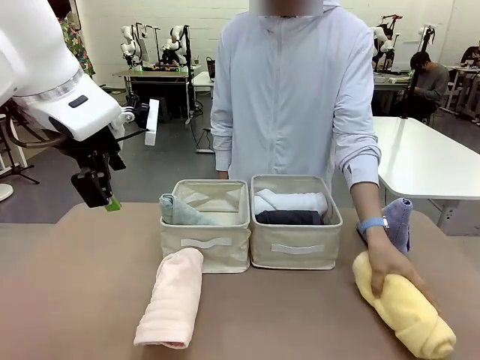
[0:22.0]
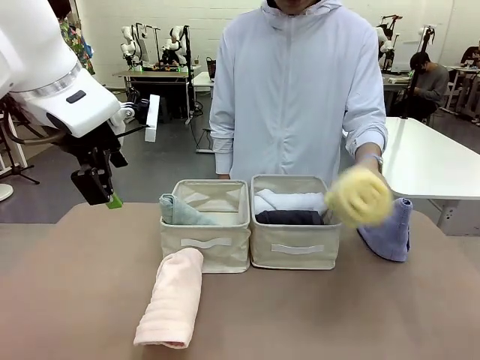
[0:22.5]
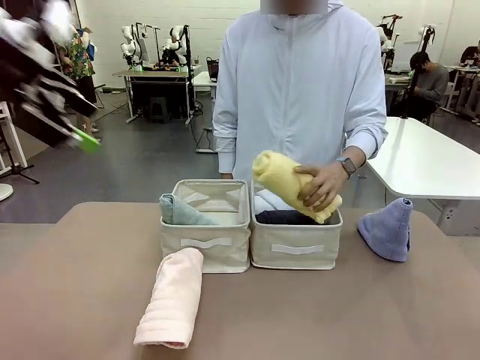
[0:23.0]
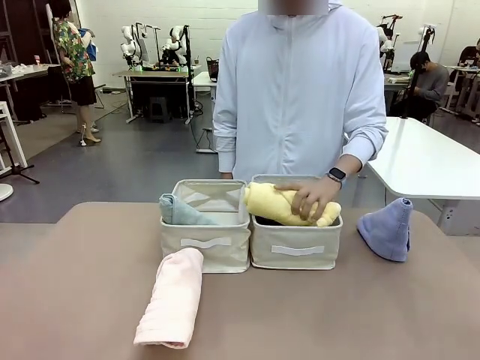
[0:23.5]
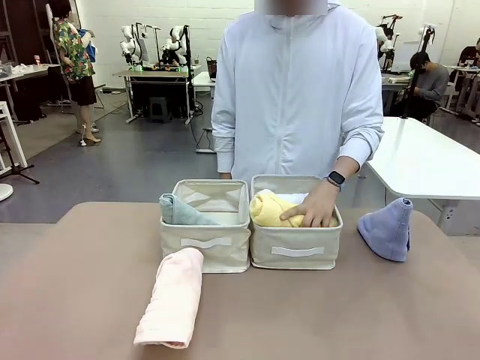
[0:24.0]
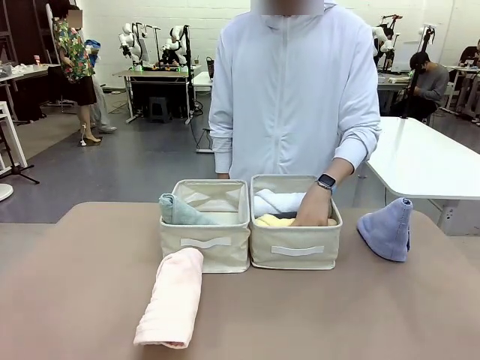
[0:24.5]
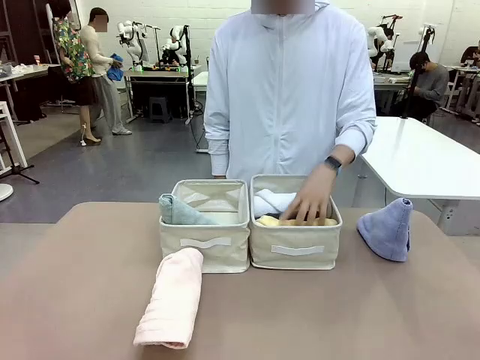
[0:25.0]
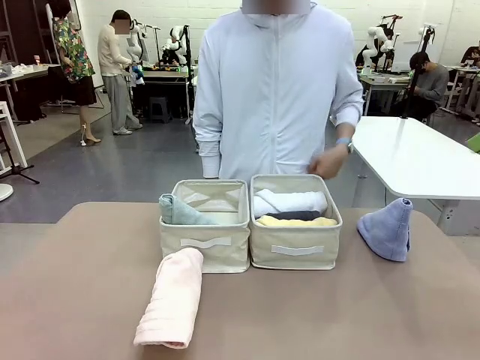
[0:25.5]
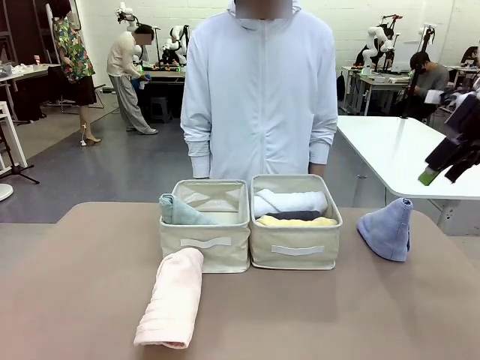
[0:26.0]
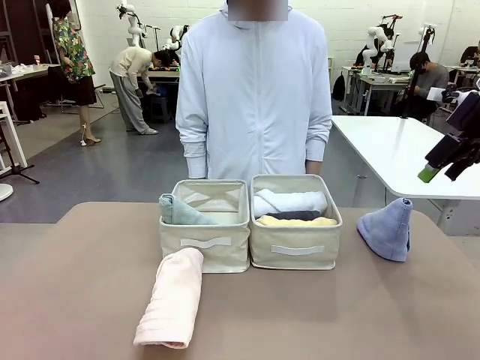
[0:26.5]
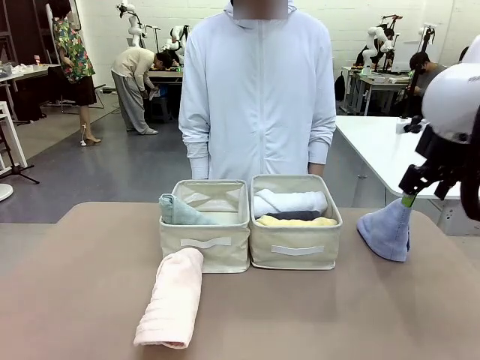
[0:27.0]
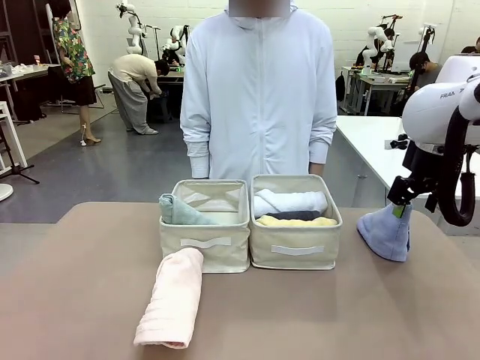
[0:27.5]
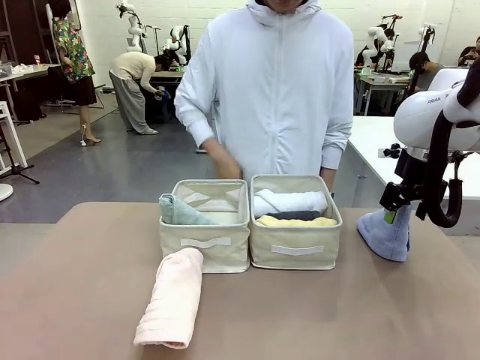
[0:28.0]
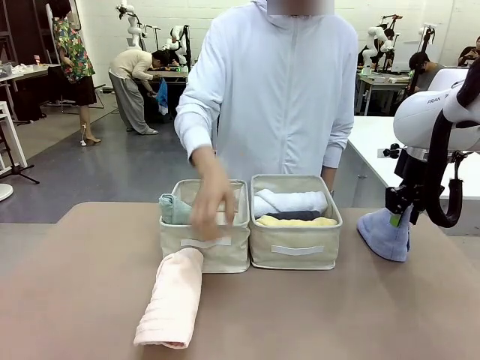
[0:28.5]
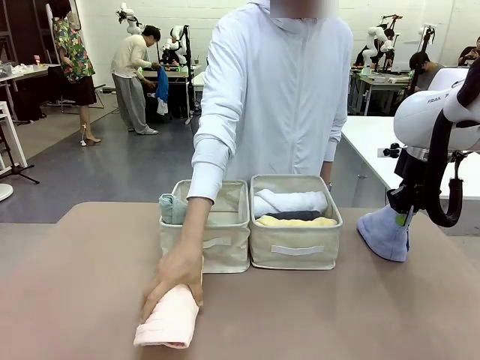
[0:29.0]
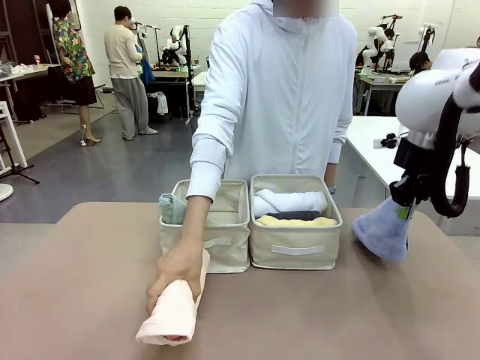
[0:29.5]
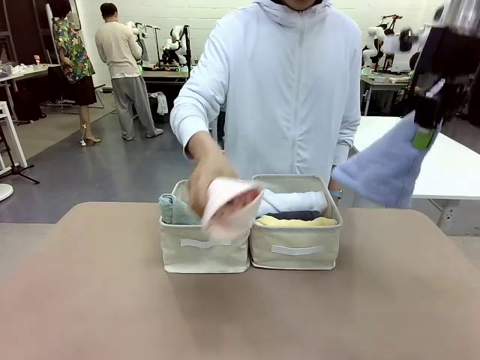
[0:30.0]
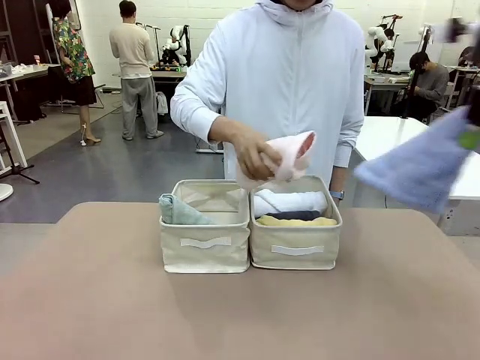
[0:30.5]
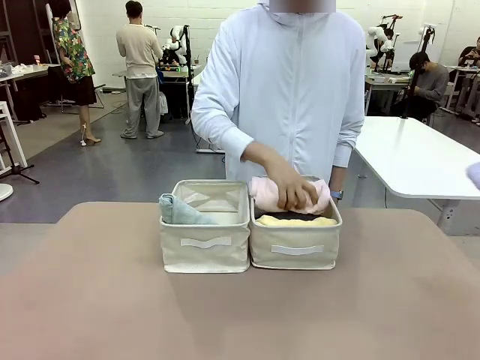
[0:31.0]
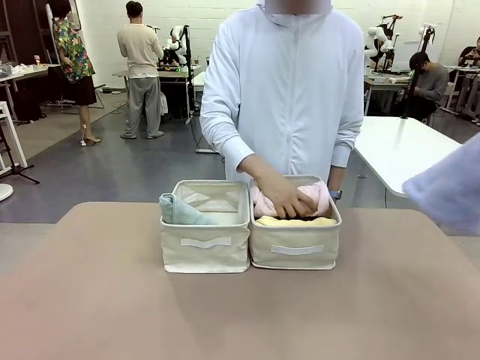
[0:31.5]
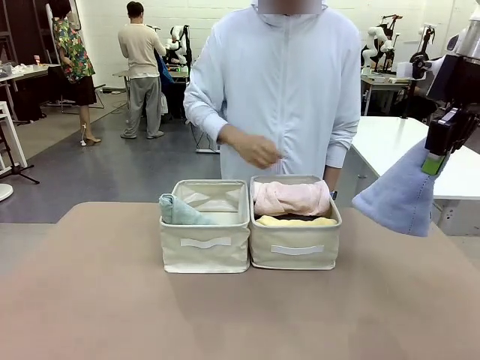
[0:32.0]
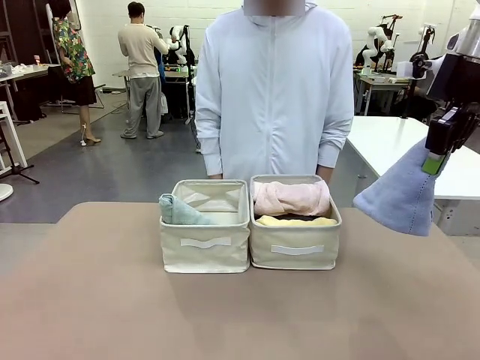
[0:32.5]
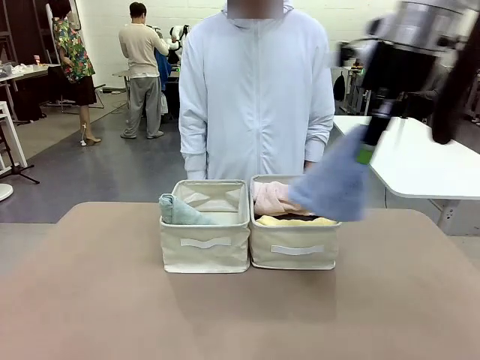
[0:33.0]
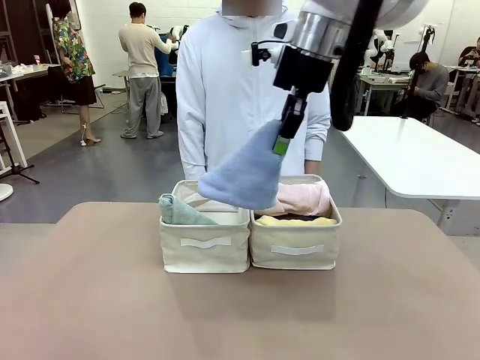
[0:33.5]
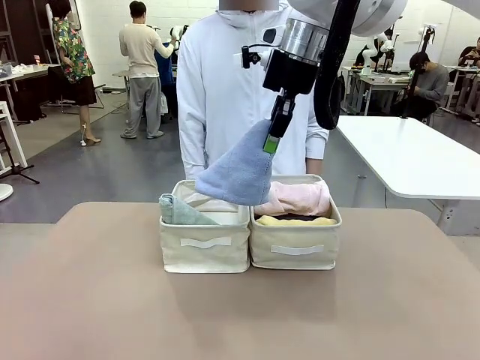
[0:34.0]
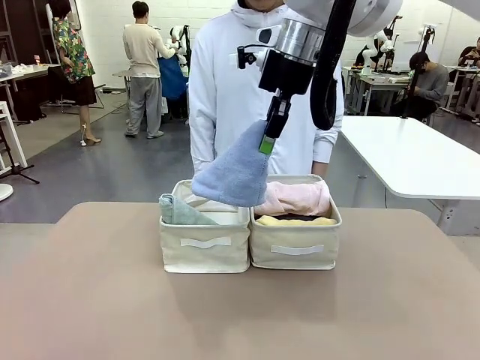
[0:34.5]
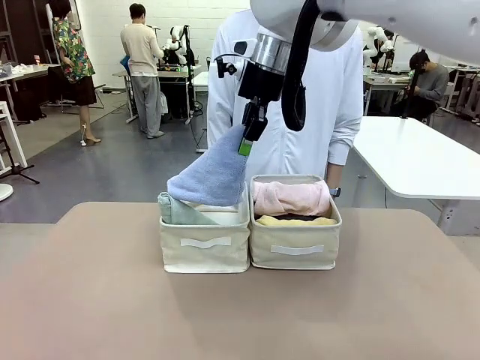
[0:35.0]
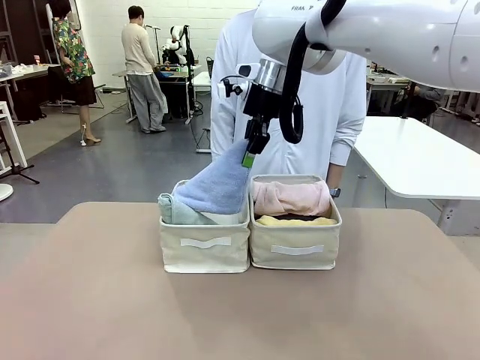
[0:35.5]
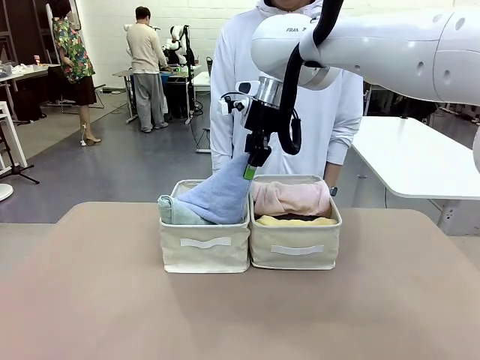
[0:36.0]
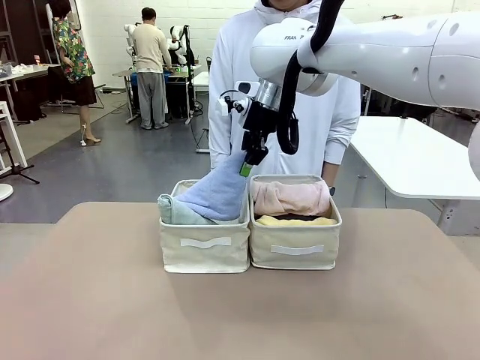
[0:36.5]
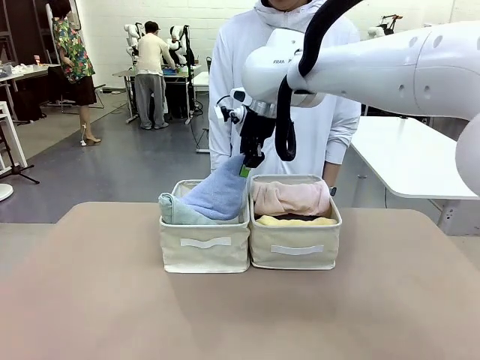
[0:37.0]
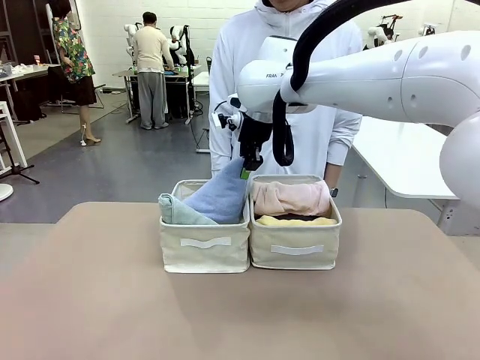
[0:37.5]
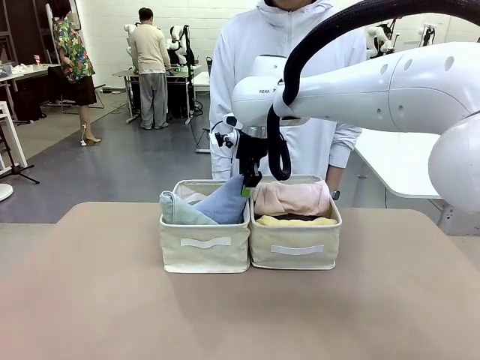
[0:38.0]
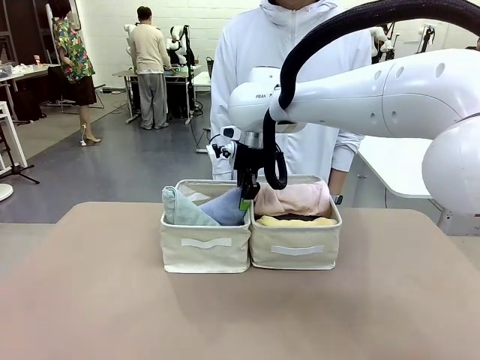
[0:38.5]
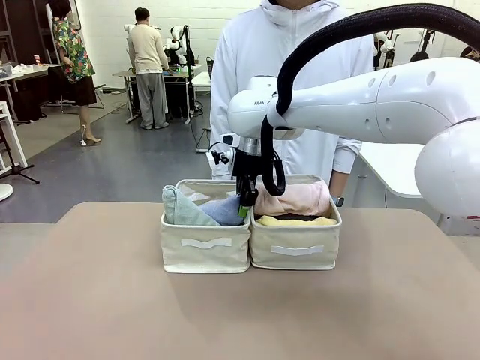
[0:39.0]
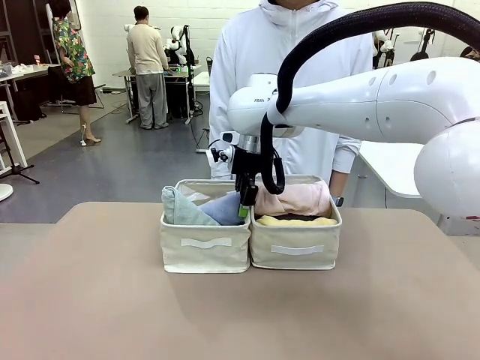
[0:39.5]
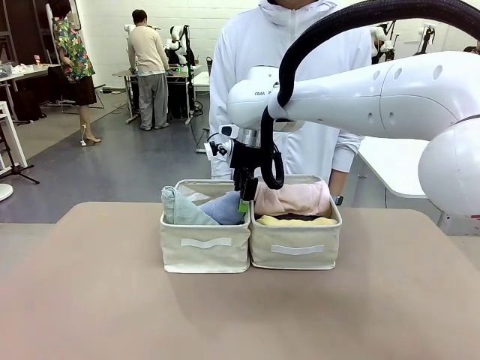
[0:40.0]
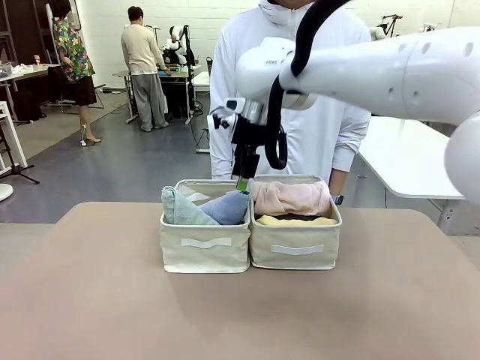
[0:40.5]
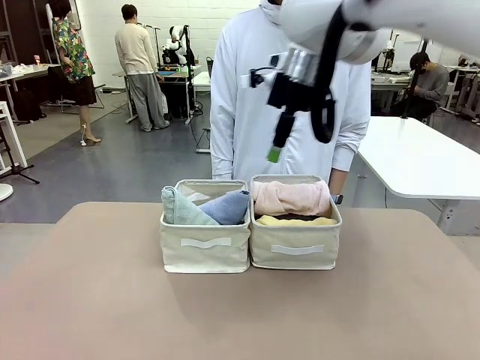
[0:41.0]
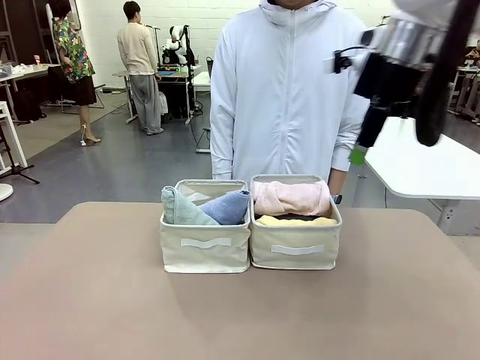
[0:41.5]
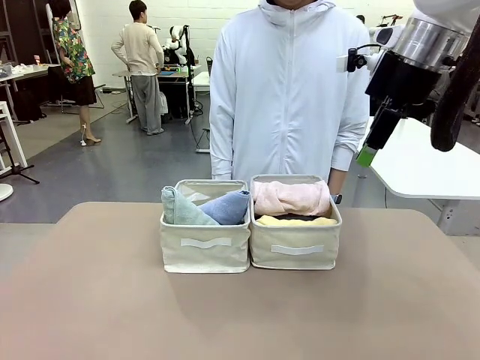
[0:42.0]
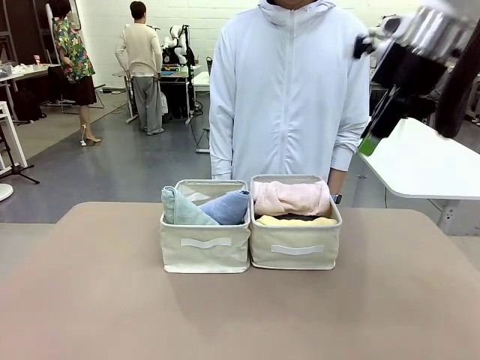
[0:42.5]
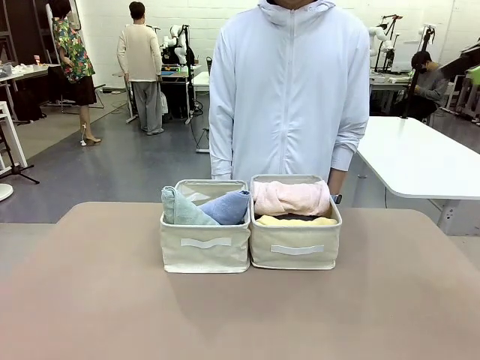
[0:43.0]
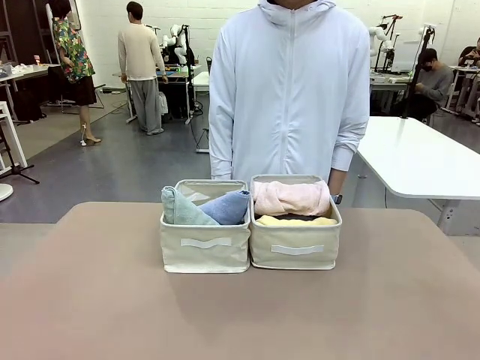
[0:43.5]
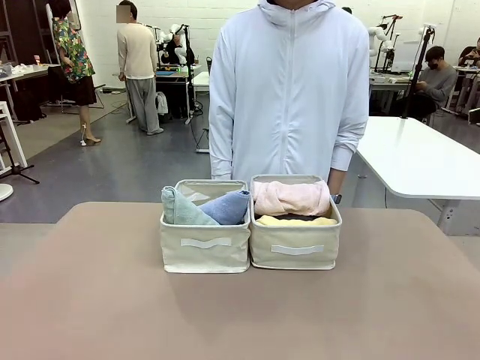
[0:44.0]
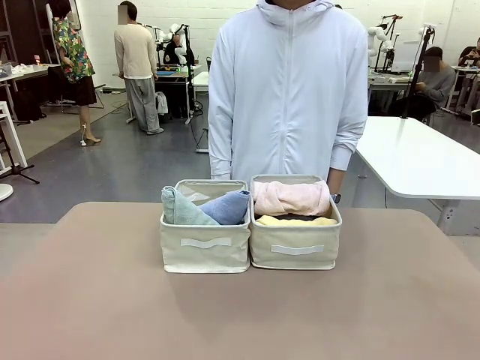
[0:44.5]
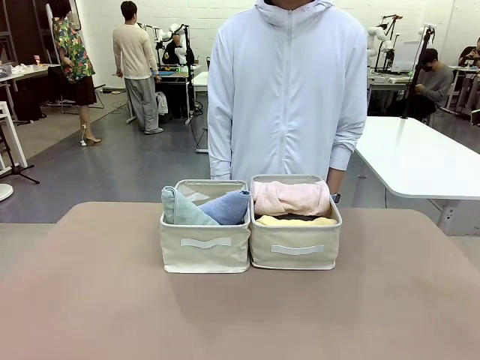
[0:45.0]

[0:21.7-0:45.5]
Task: Sort the towels based on their folding style.
Robot: Pick up another triangle-folded towel from the table and place it in the left Fabric basket.
Person: Pick up one hotel-style rolled towel from the table and place it in the left fabric basket.
